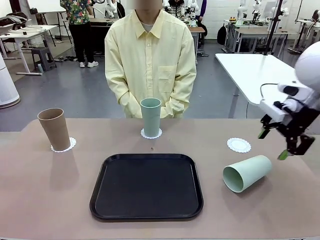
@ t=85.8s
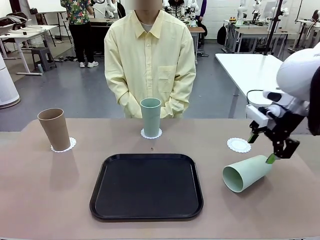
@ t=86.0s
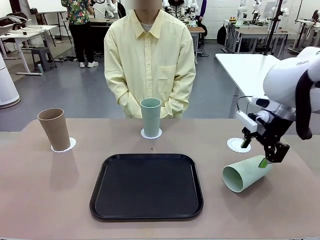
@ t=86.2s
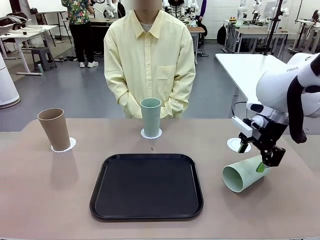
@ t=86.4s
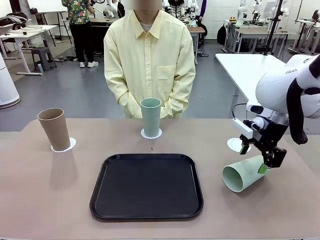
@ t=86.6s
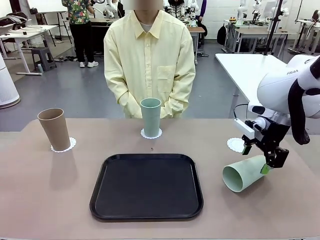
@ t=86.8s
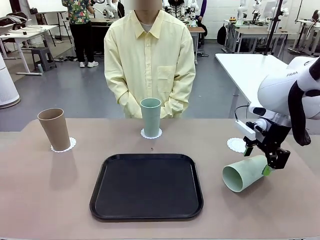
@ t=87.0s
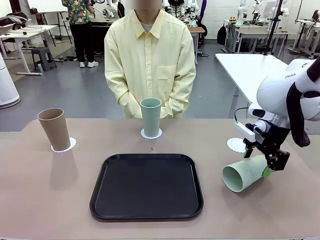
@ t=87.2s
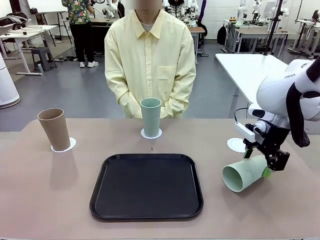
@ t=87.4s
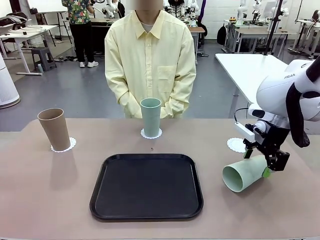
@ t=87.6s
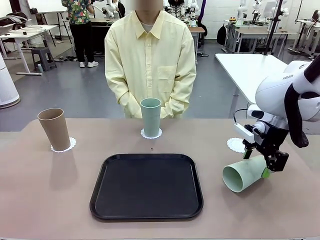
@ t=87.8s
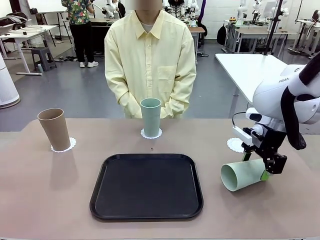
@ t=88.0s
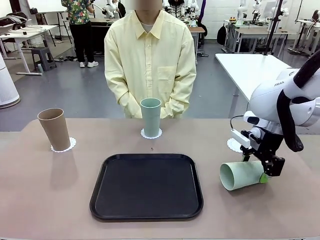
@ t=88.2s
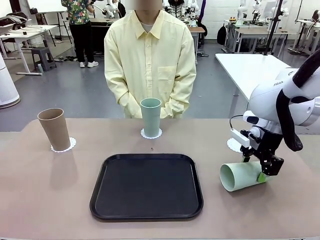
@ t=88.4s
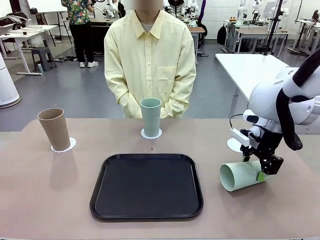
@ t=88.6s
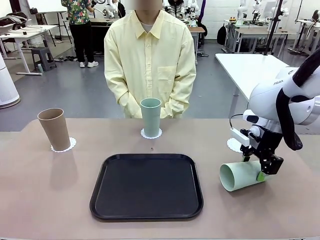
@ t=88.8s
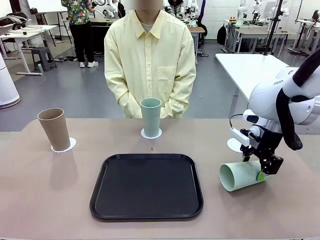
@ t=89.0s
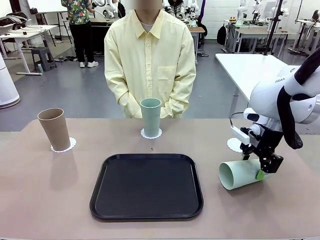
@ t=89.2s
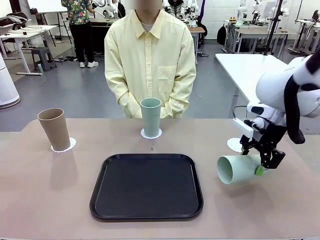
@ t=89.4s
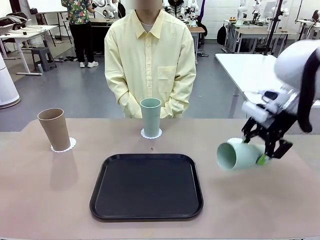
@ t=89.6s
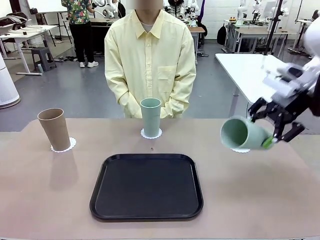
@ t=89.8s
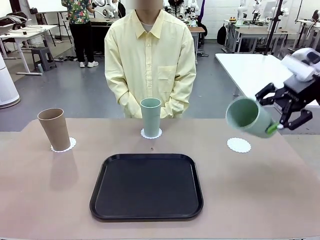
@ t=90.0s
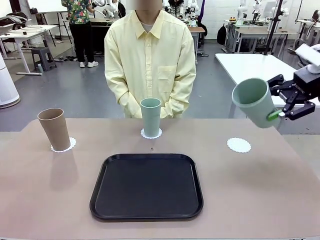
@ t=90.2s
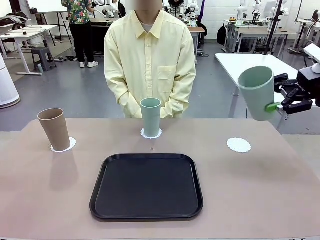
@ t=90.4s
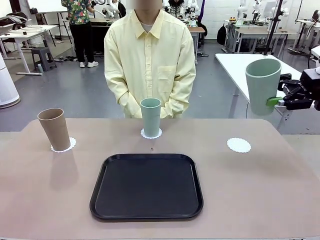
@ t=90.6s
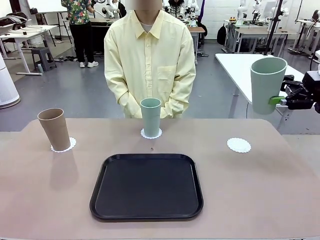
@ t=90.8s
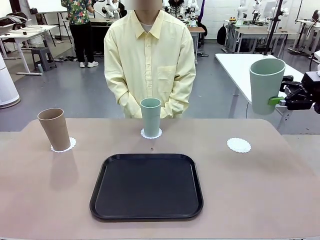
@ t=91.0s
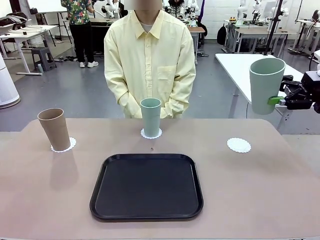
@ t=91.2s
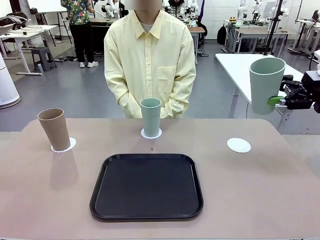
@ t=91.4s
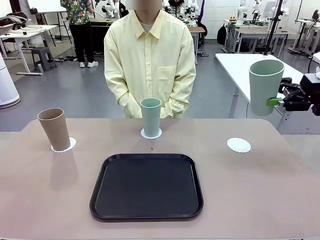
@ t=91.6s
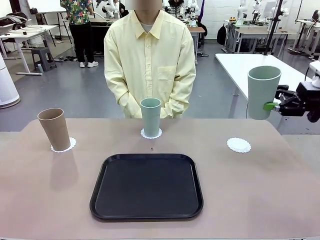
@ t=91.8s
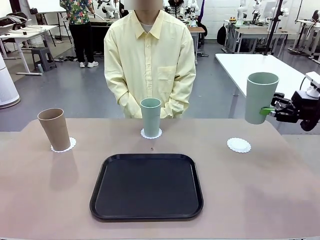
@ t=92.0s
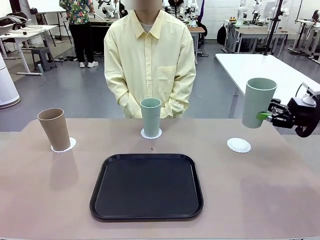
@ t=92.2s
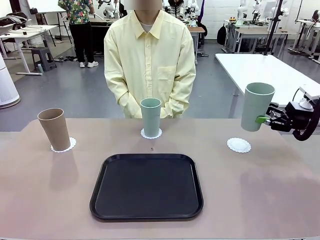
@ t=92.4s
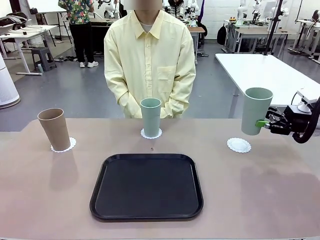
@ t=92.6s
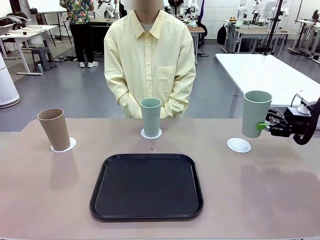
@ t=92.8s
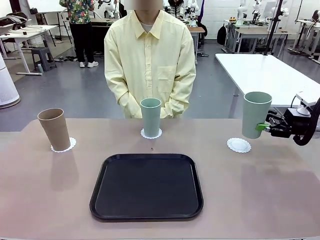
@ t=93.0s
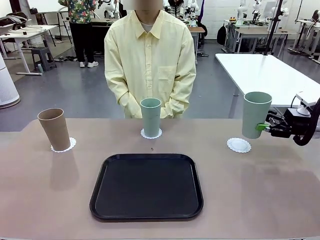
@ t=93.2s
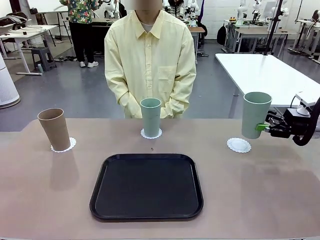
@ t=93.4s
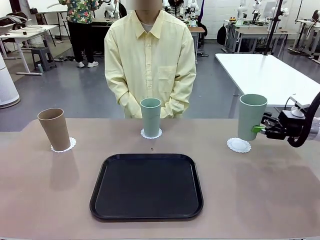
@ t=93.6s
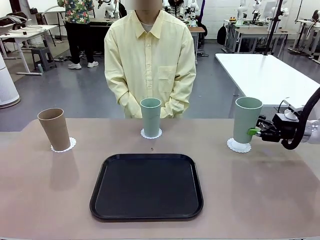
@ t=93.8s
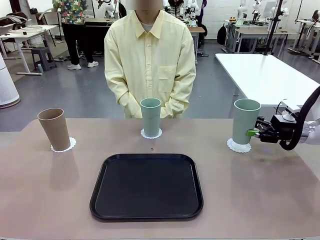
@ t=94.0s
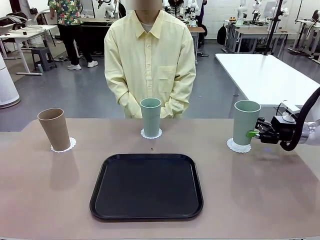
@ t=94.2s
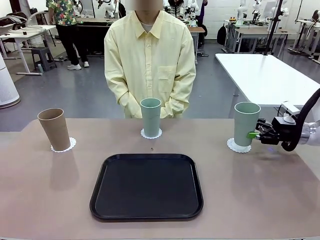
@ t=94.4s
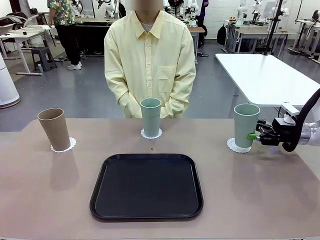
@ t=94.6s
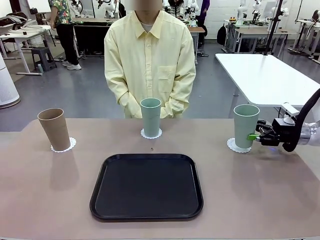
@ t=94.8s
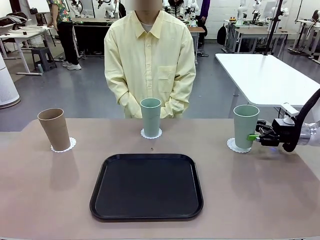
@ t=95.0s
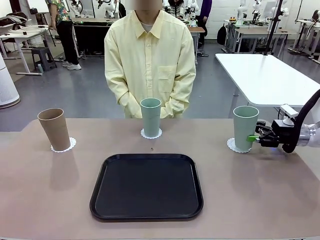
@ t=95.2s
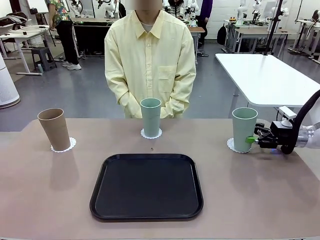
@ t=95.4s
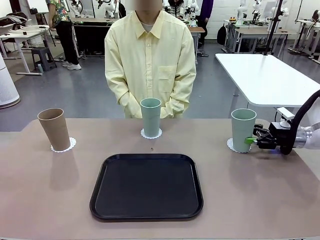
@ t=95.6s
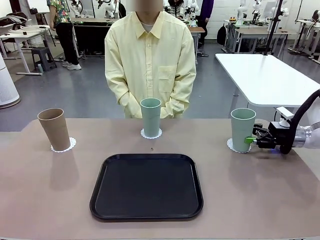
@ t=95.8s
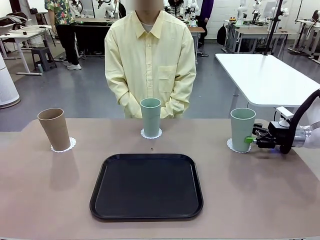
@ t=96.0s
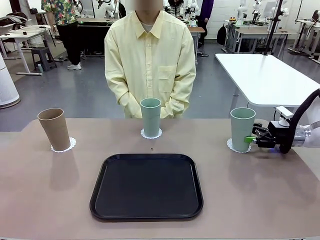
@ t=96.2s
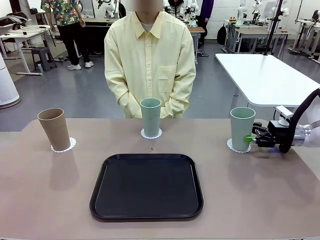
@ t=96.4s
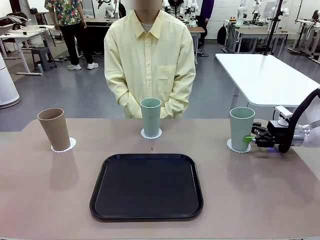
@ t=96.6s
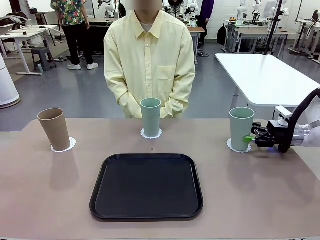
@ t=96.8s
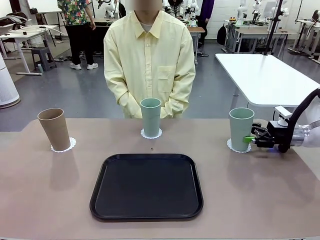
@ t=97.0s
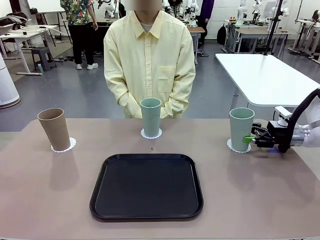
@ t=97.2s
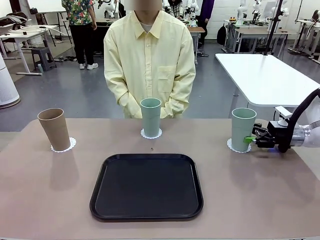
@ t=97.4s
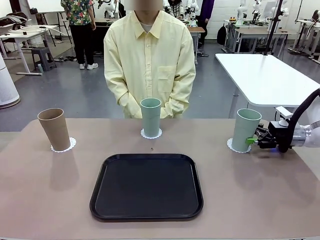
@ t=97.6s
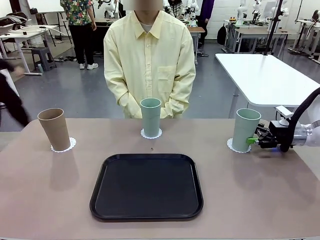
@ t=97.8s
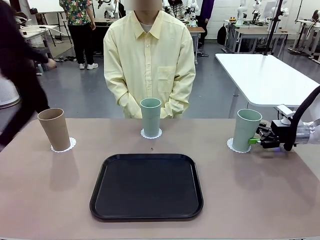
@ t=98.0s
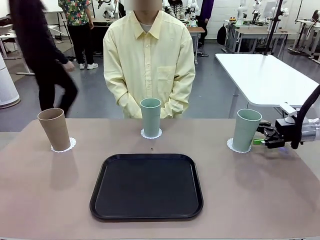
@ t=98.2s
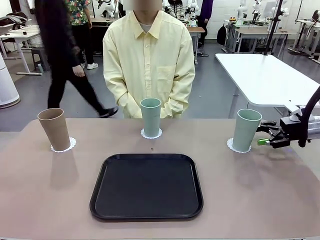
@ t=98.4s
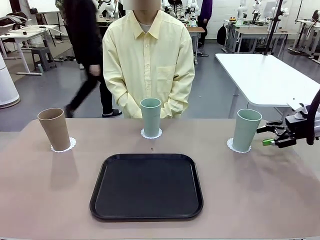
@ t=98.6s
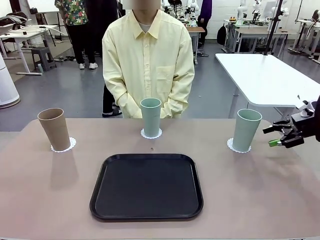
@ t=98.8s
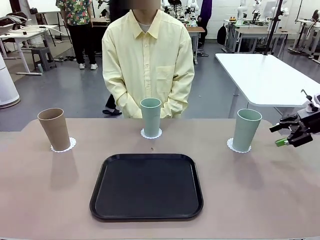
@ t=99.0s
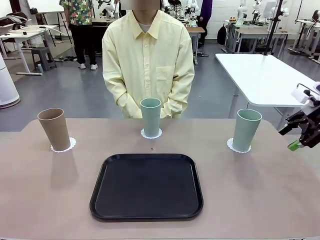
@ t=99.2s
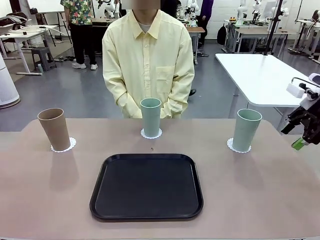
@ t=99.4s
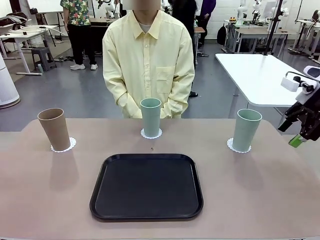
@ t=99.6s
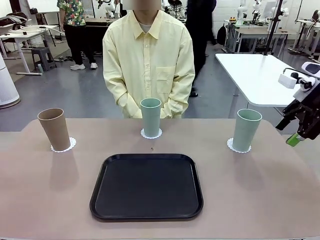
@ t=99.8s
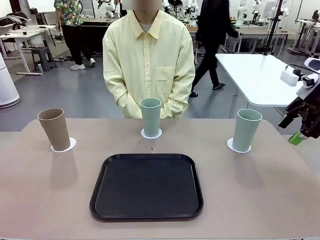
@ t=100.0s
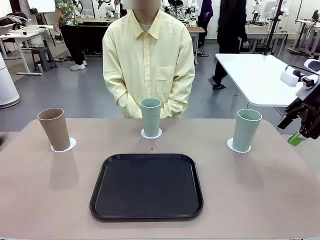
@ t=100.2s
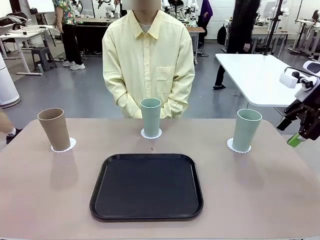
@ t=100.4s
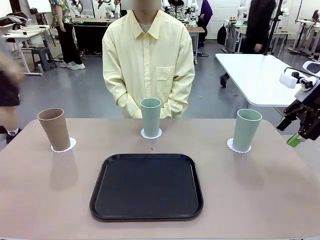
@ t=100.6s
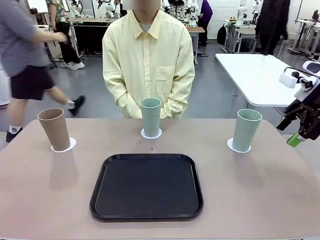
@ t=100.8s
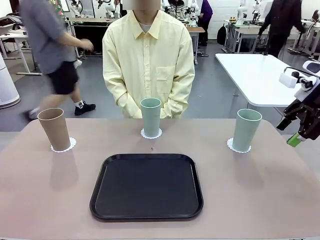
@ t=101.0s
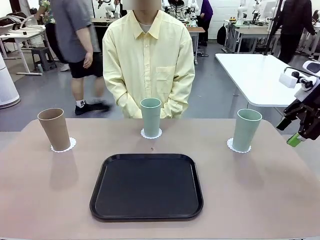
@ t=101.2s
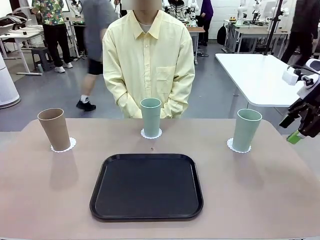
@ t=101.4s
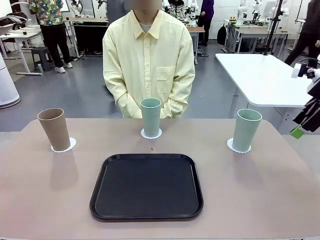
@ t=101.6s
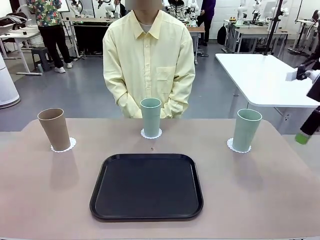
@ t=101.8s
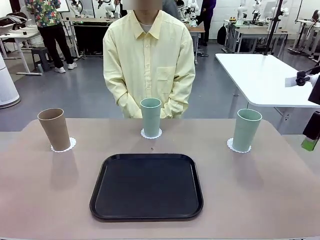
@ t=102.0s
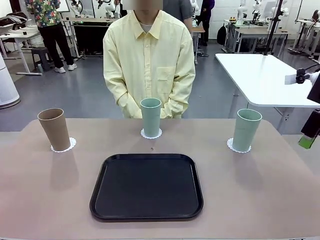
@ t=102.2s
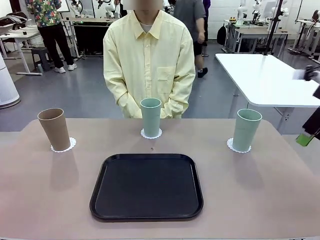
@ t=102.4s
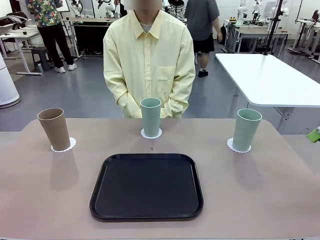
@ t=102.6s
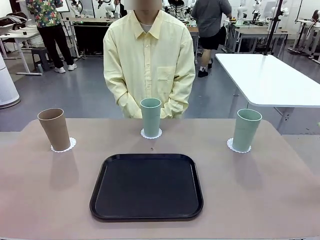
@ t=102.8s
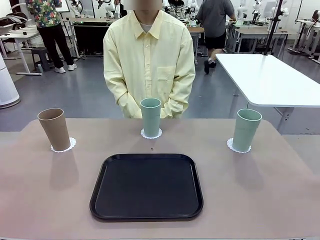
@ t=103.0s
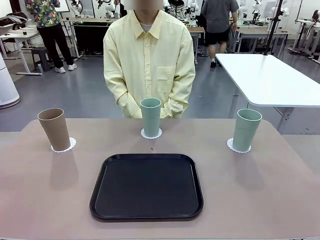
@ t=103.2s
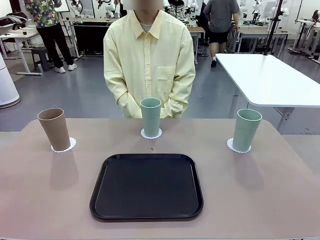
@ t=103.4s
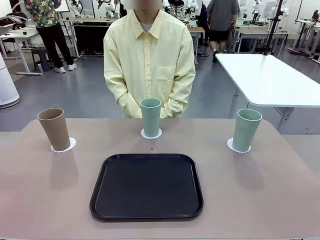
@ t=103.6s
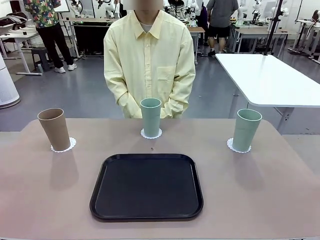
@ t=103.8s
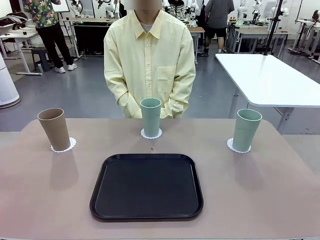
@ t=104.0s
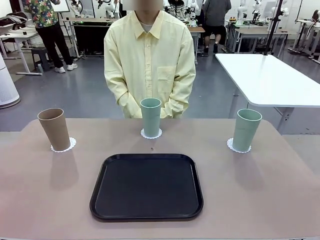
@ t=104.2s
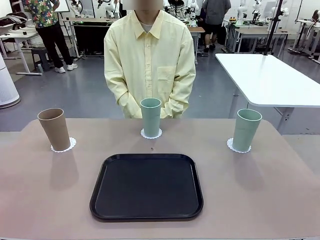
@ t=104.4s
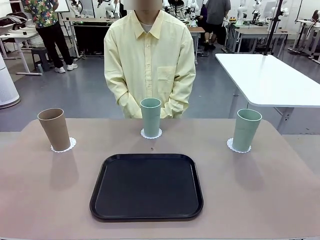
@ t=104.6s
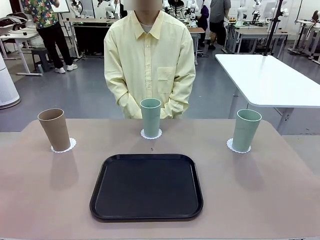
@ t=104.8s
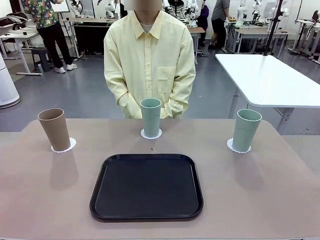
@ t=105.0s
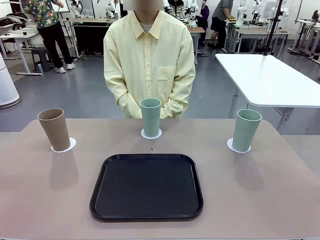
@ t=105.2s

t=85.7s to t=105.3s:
Task: Place coasters on the table and set cups on them.
Robot: Take one Reusable plastic cup from the Flat Tray and place it on a coaster set by the human.
